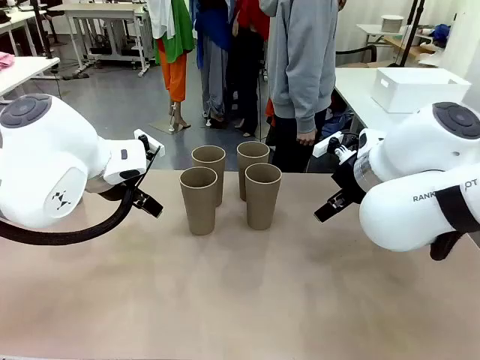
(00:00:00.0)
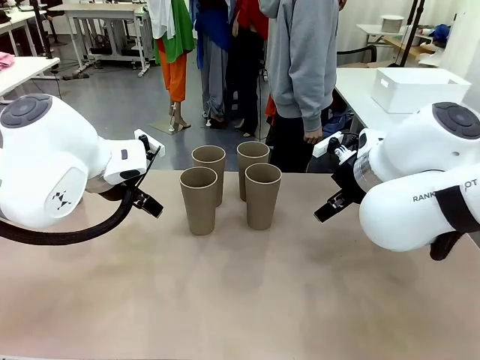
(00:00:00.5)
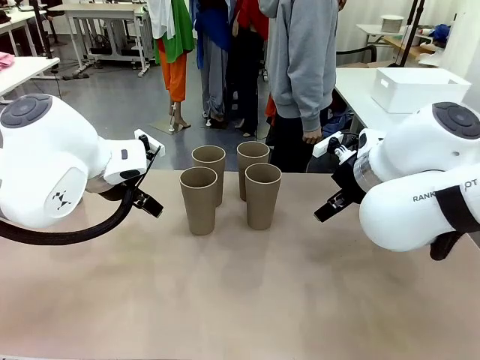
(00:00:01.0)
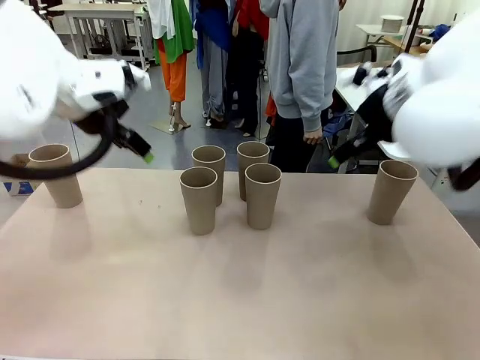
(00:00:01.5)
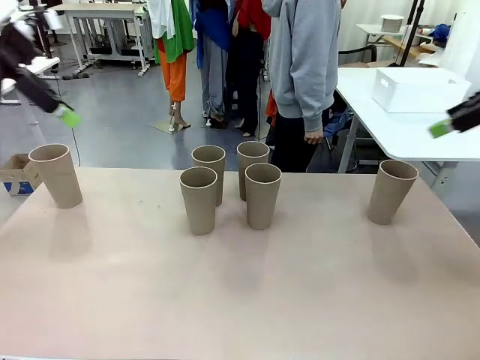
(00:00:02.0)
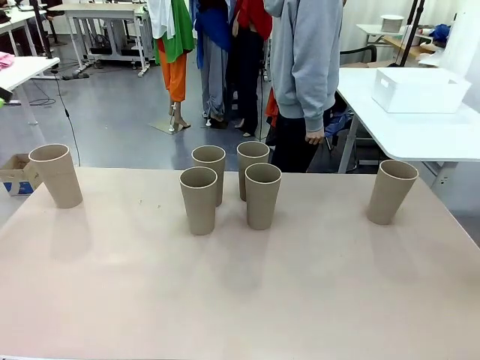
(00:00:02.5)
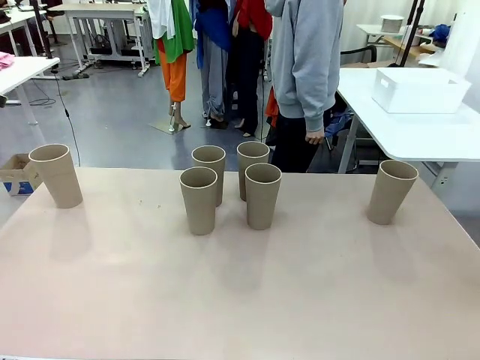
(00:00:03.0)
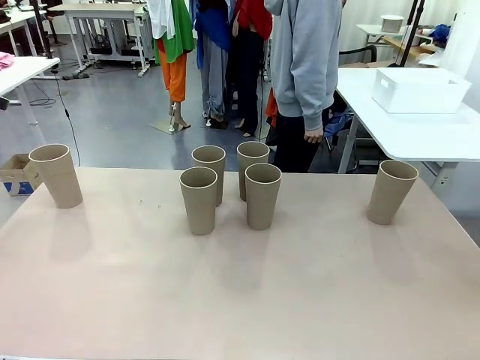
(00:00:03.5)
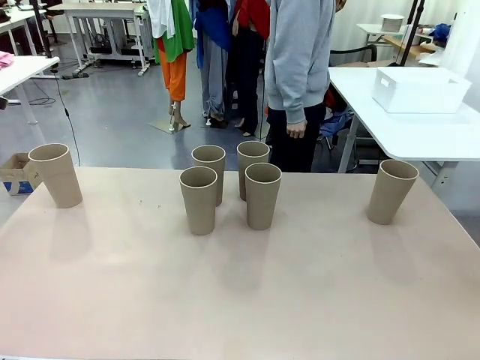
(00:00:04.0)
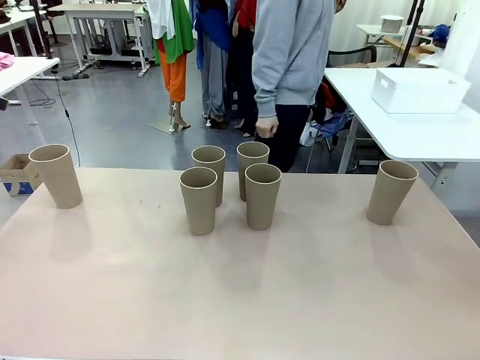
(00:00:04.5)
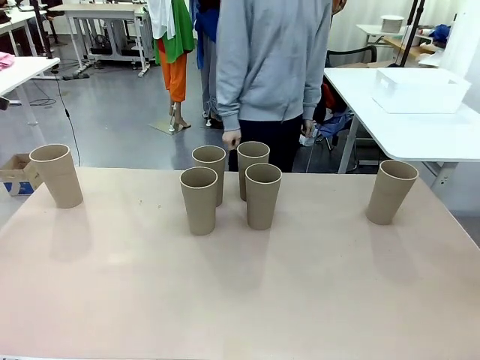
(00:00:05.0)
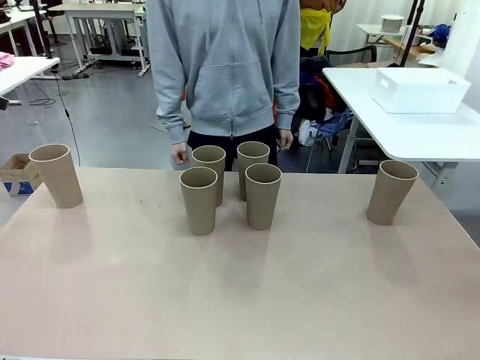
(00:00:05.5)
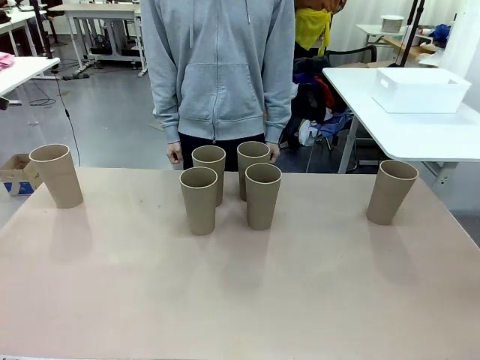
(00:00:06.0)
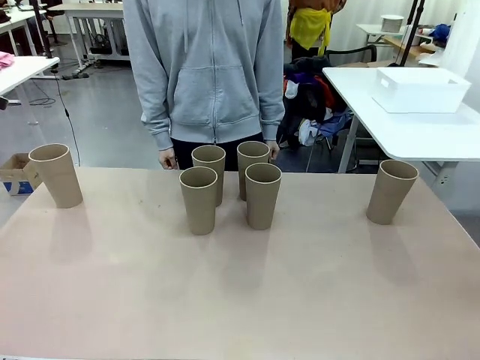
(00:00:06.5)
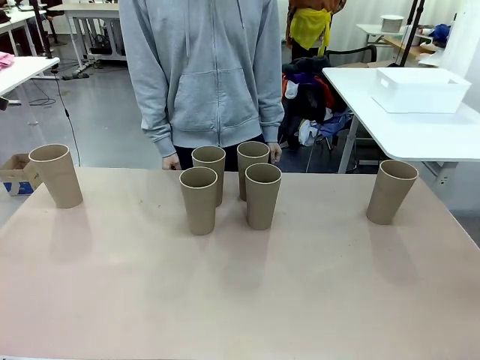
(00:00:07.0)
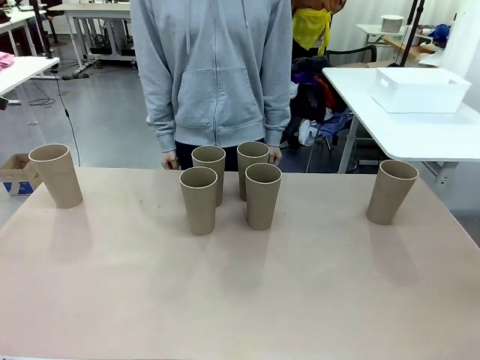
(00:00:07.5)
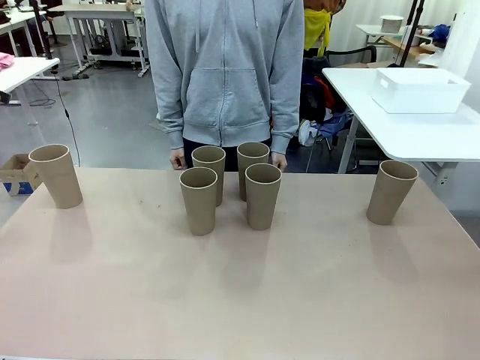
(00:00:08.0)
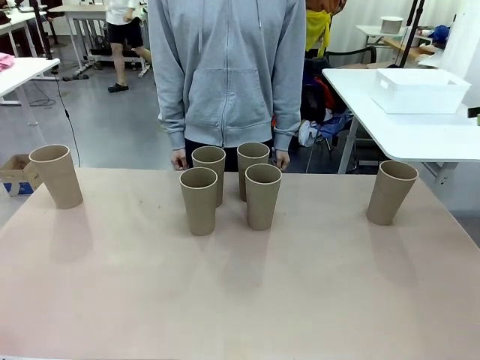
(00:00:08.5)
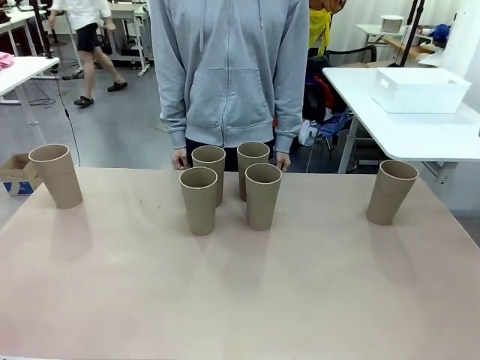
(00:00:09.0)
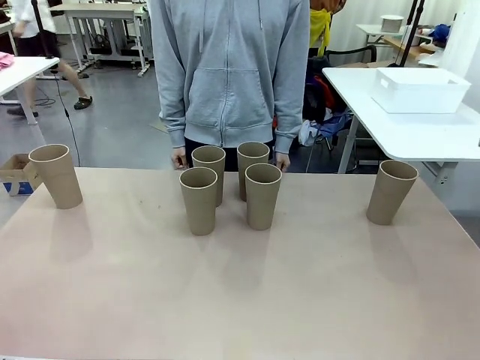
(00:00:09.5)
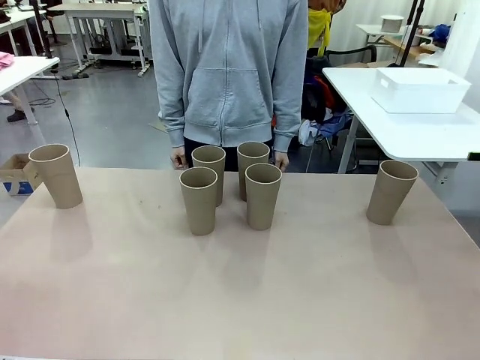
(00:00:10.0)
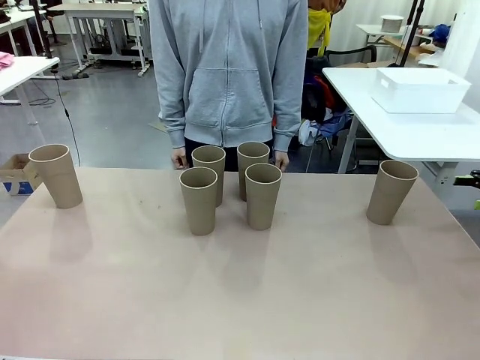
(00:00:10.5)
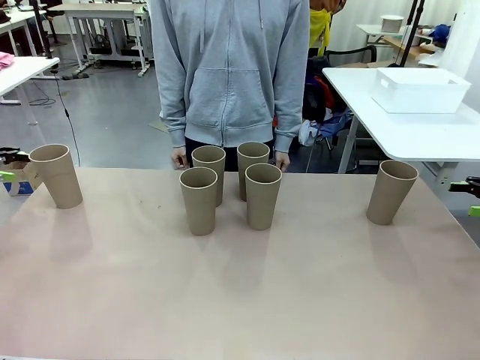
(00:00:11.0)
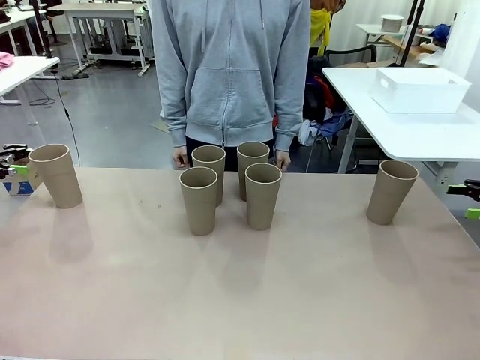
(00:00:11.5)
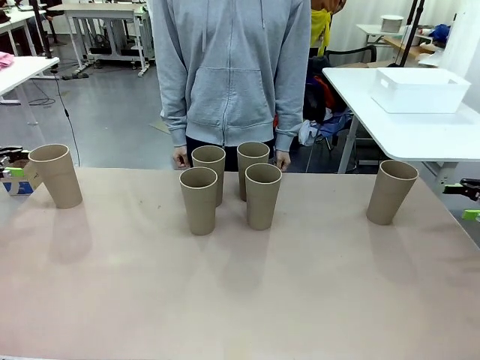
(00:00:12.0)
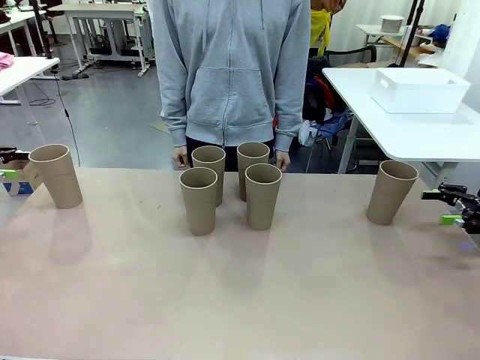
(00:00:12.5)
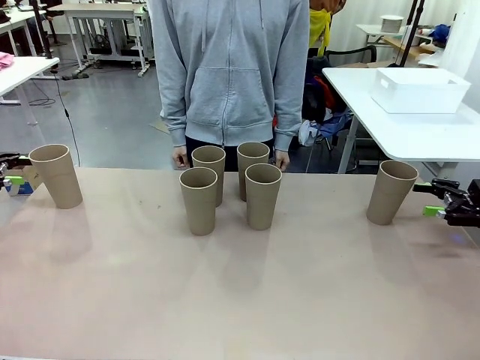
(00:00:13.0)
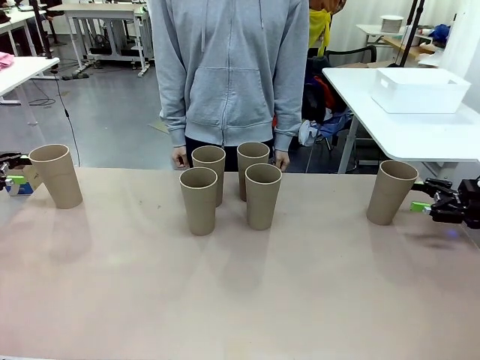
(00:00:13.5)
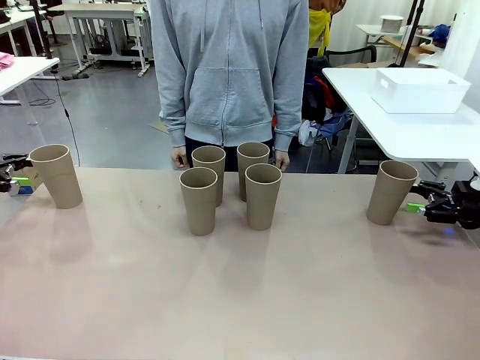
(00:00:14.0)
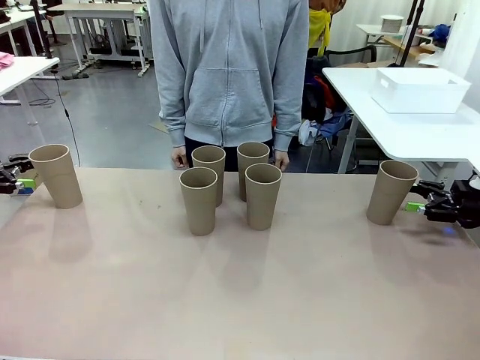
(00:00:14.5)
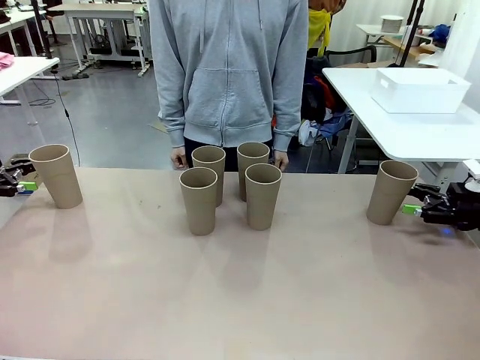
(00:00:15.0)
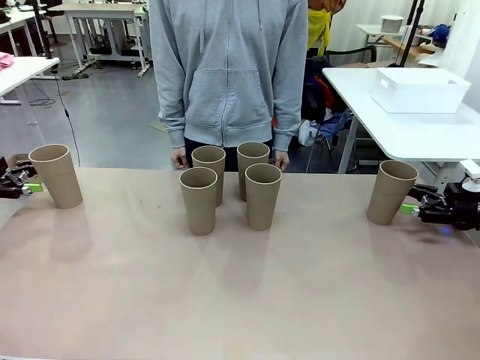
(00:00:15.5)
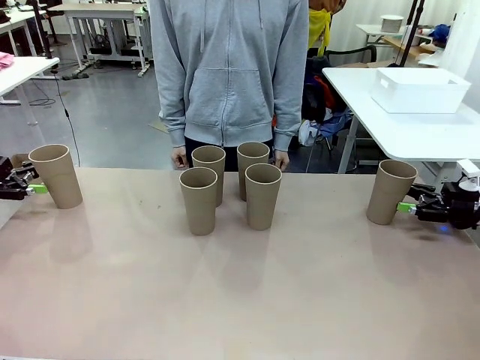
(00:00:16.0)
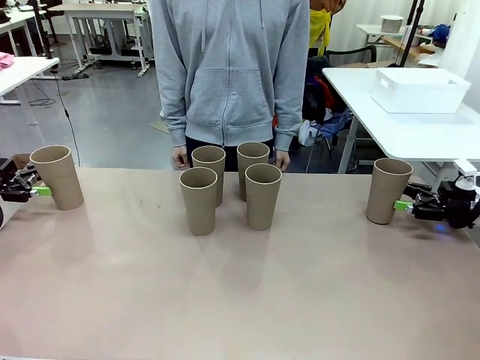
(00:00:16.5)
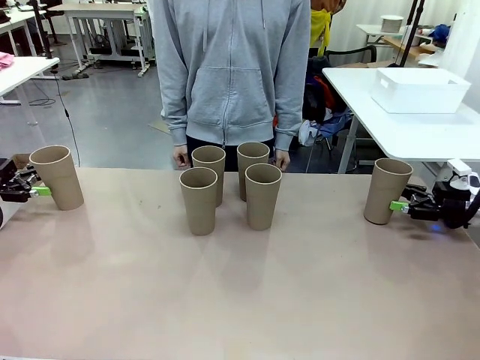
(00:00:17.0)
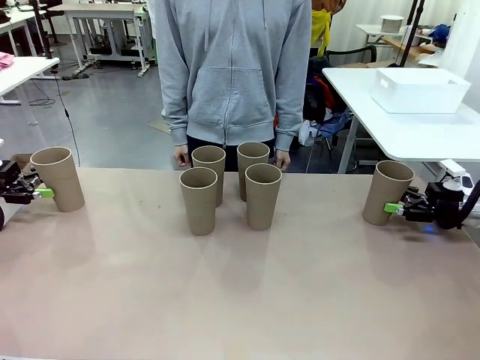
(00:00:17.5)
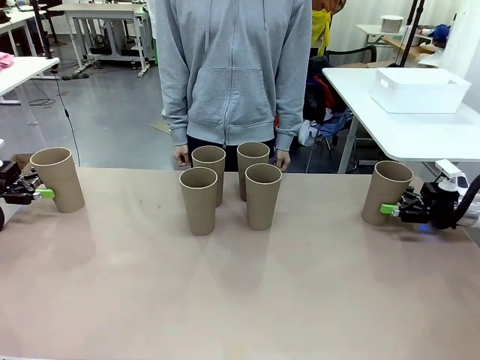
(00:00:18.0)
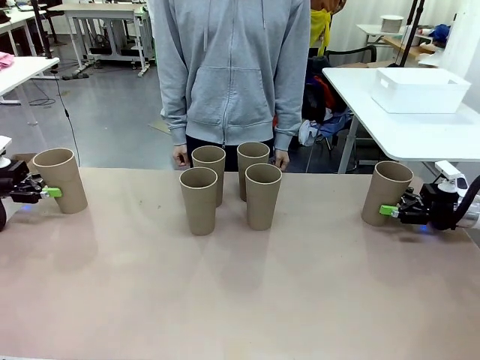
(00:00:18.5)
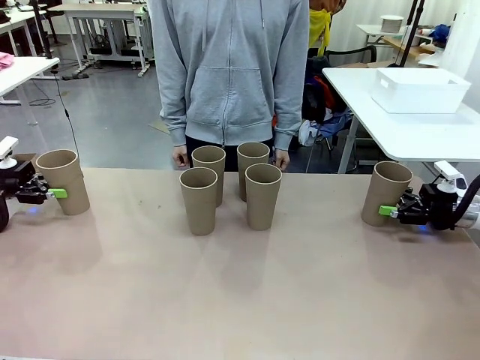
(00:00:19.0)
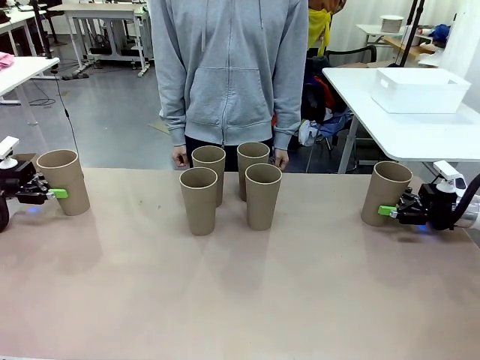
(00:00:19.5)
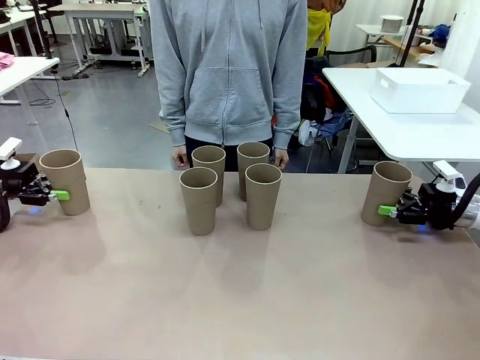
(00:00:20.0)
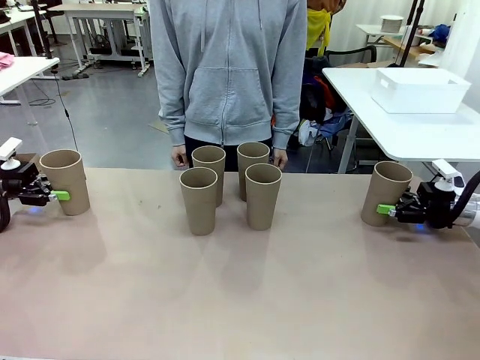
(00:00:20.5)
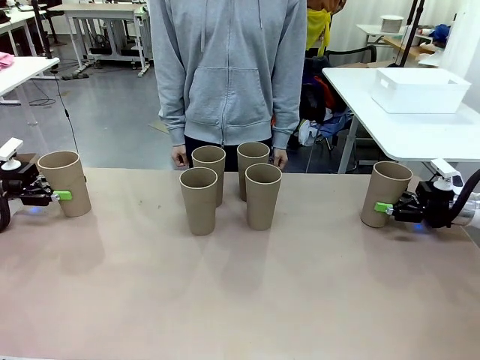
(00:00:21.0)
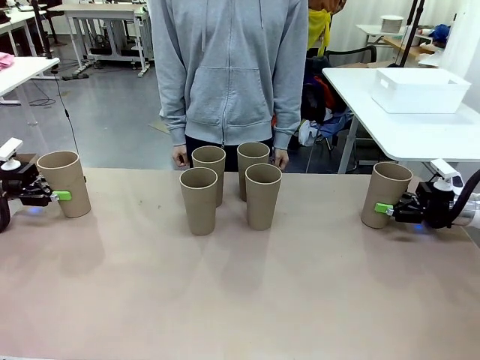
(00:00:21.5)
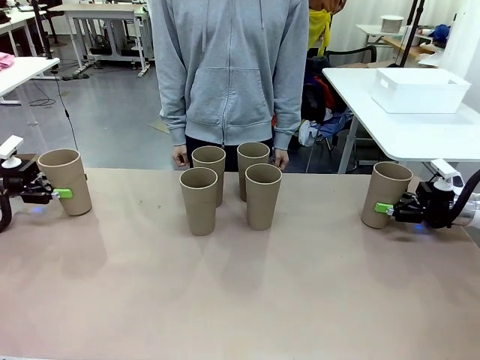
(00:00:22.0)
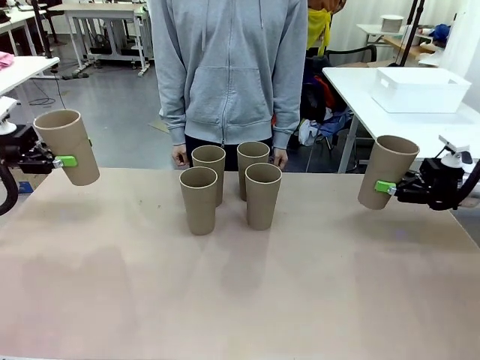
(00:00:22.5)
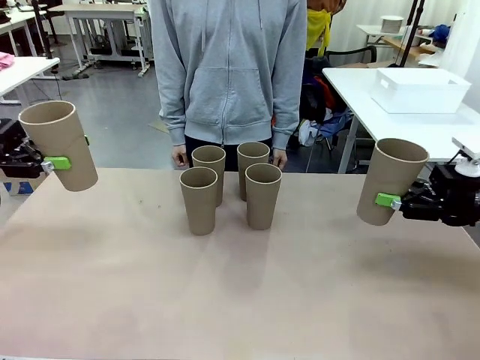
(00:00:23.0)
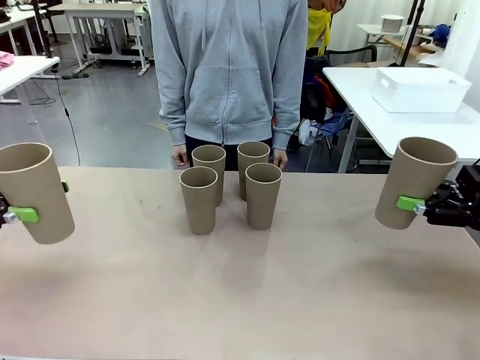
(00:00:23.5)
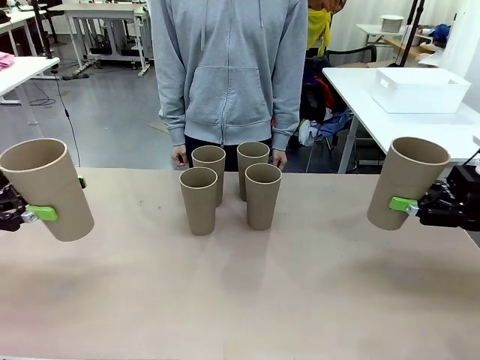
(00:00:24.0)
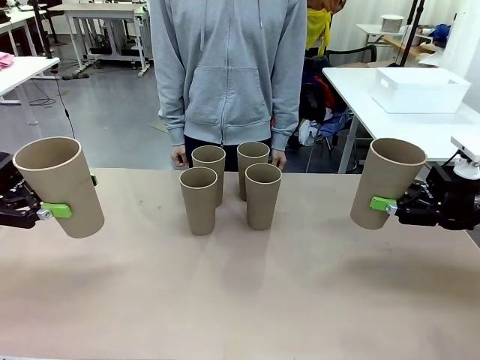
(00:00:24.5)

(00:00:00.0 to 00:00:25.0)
Task: Stack the cups and store them in the basket.
Robot: Pick up two Reusable plastic cups , one in each hand.
Person: Move from the Human Table to the front of the Robot Table. Stack two of the remaining cups on top of each cup held by the robot.
